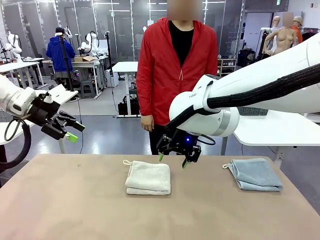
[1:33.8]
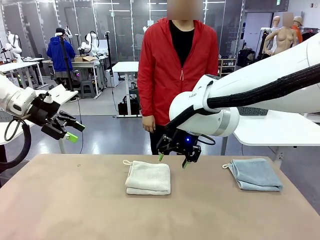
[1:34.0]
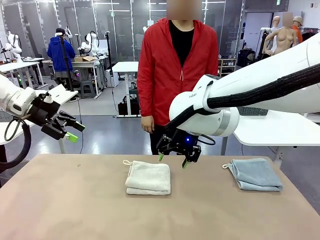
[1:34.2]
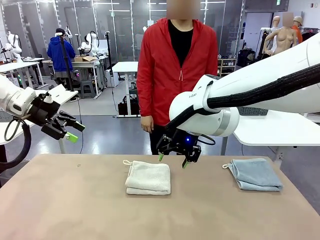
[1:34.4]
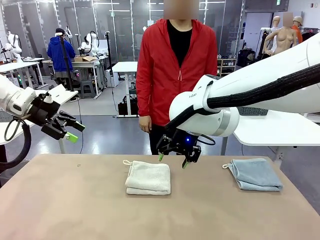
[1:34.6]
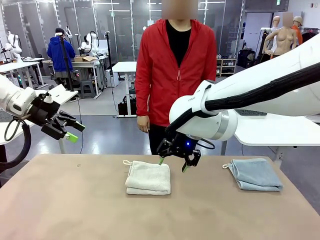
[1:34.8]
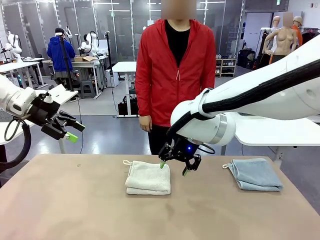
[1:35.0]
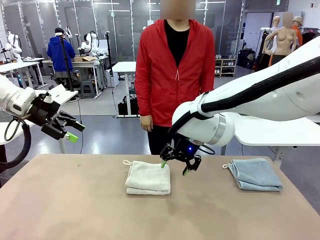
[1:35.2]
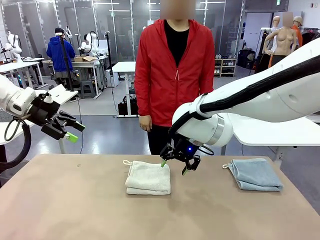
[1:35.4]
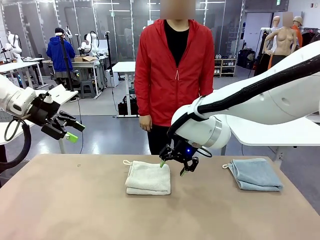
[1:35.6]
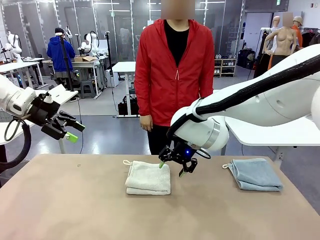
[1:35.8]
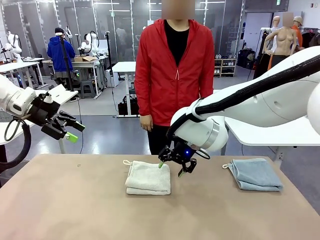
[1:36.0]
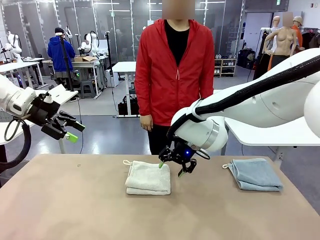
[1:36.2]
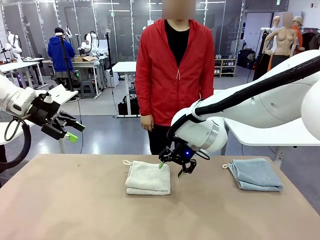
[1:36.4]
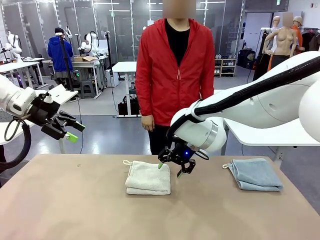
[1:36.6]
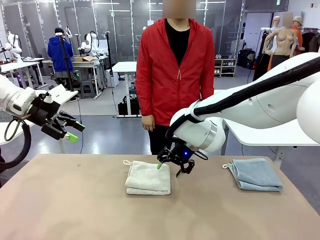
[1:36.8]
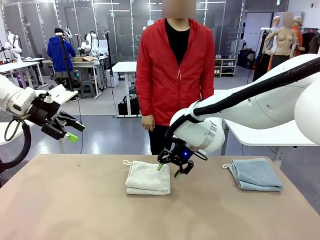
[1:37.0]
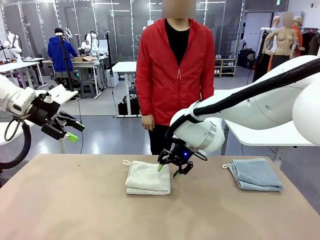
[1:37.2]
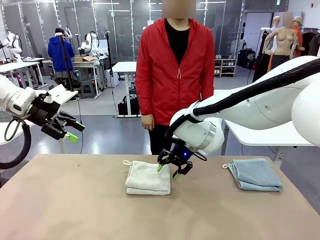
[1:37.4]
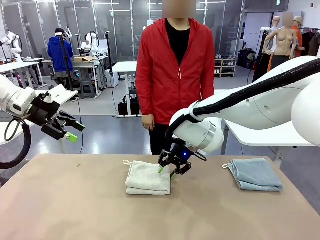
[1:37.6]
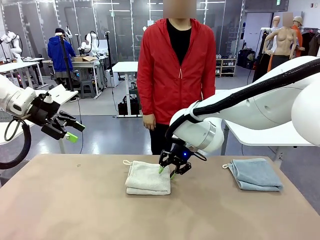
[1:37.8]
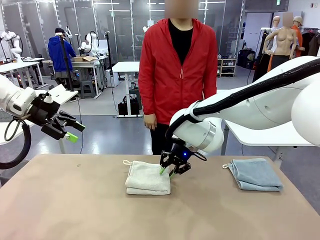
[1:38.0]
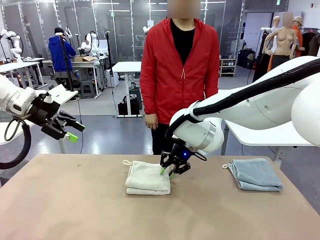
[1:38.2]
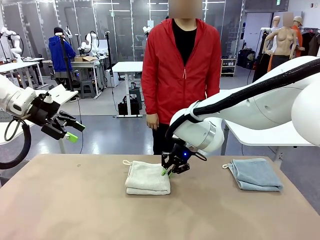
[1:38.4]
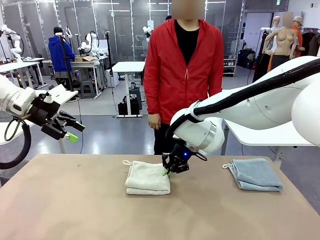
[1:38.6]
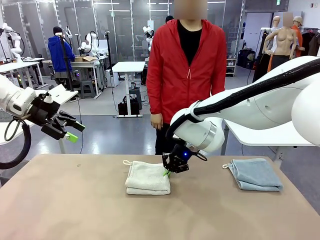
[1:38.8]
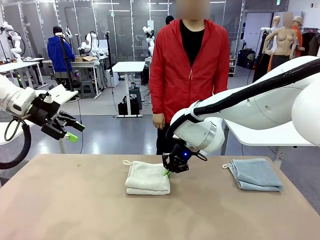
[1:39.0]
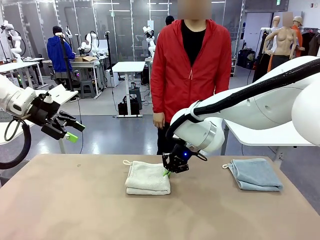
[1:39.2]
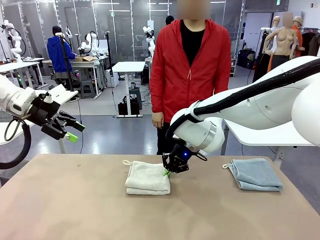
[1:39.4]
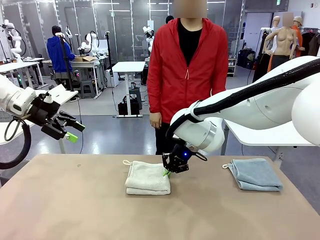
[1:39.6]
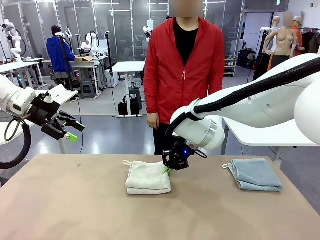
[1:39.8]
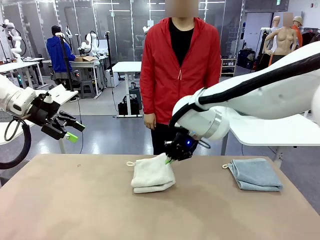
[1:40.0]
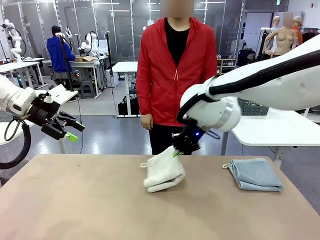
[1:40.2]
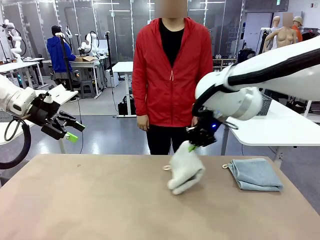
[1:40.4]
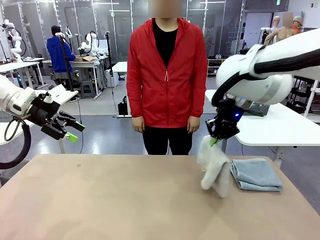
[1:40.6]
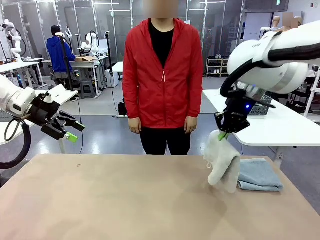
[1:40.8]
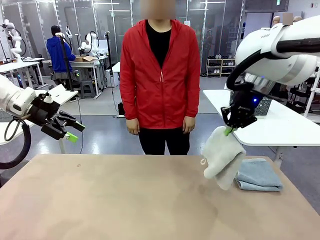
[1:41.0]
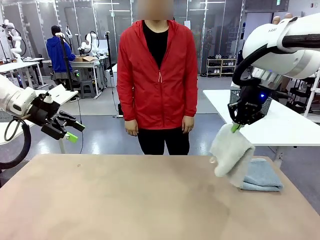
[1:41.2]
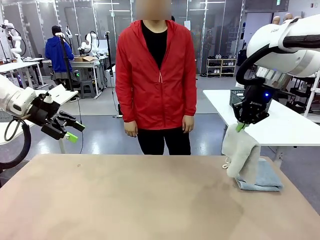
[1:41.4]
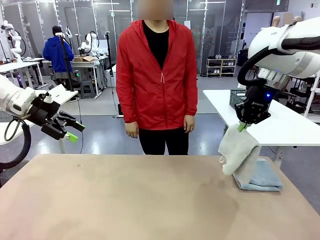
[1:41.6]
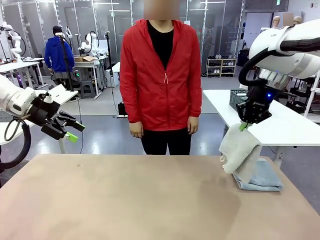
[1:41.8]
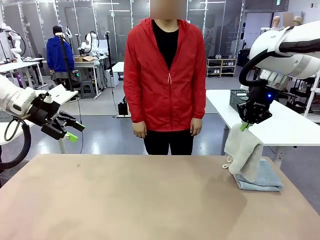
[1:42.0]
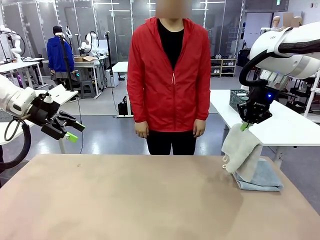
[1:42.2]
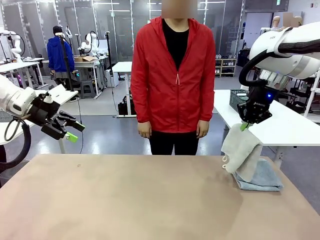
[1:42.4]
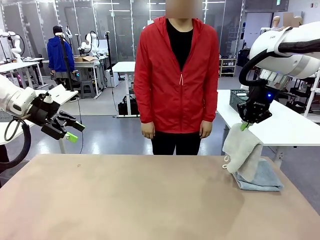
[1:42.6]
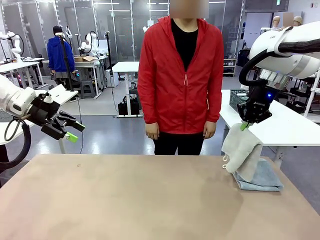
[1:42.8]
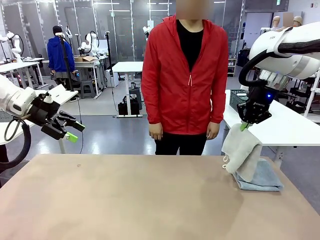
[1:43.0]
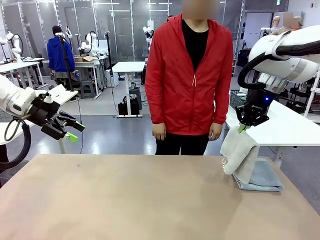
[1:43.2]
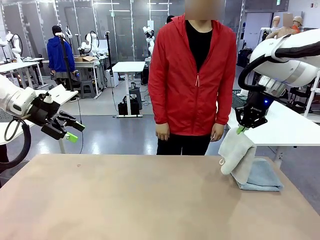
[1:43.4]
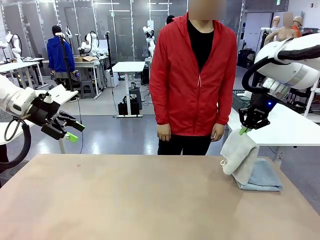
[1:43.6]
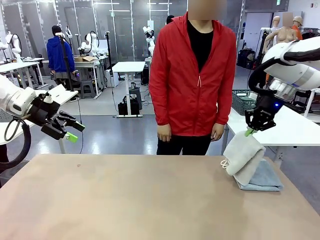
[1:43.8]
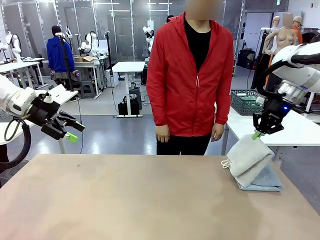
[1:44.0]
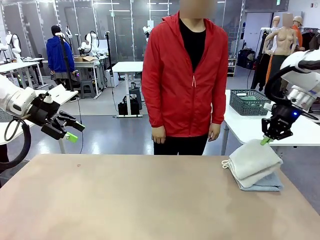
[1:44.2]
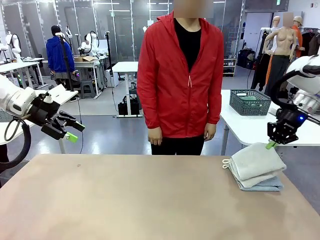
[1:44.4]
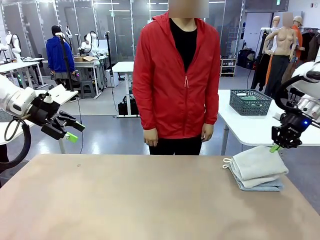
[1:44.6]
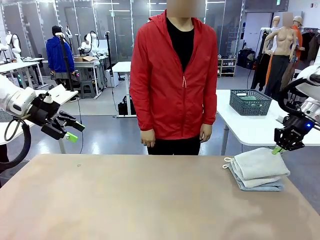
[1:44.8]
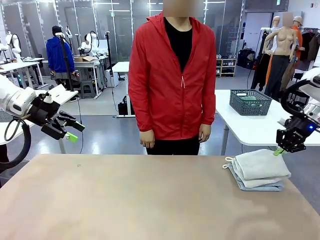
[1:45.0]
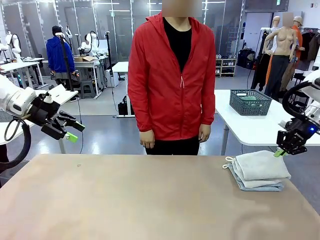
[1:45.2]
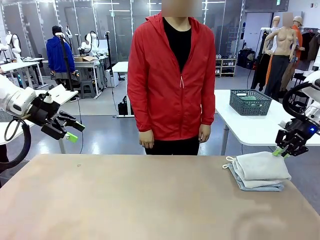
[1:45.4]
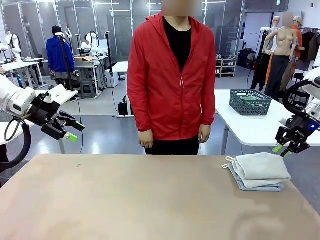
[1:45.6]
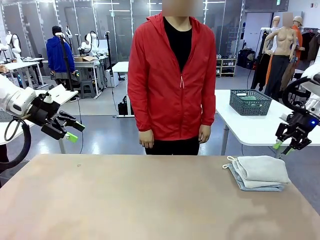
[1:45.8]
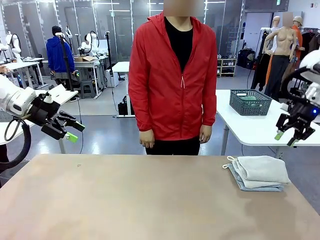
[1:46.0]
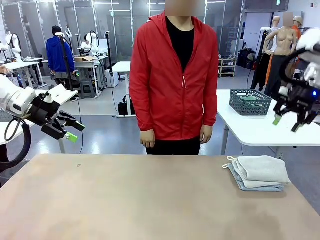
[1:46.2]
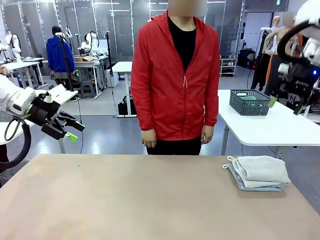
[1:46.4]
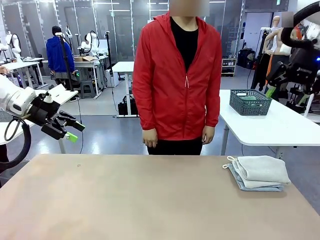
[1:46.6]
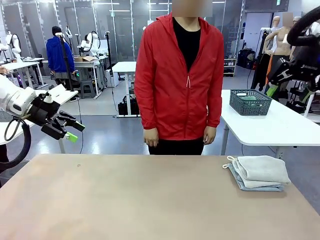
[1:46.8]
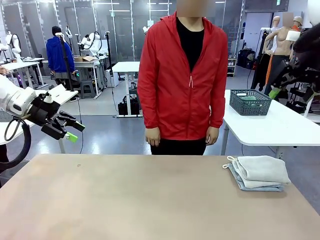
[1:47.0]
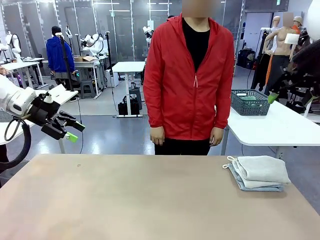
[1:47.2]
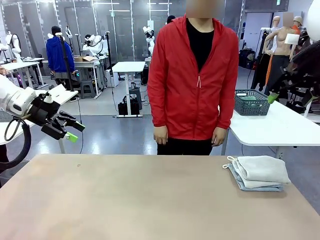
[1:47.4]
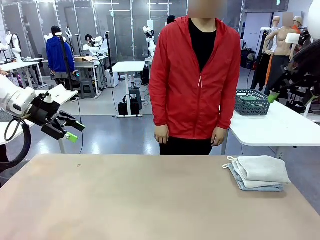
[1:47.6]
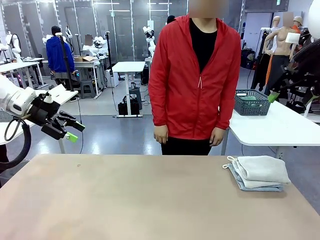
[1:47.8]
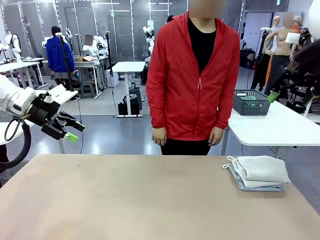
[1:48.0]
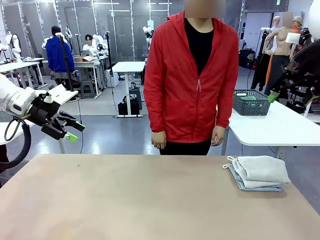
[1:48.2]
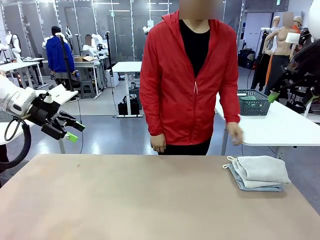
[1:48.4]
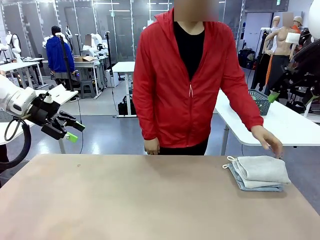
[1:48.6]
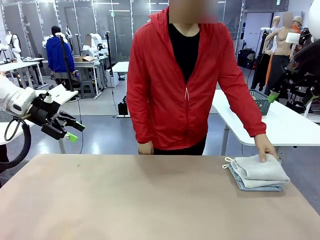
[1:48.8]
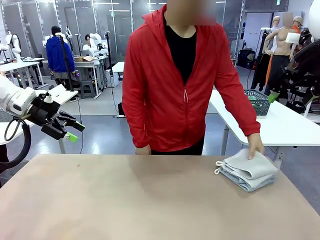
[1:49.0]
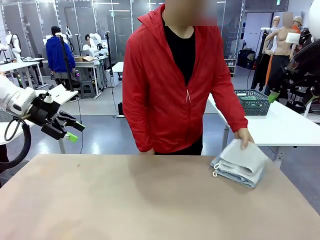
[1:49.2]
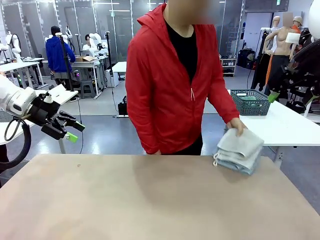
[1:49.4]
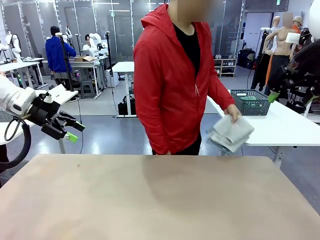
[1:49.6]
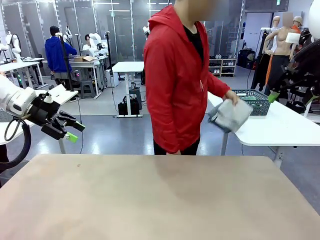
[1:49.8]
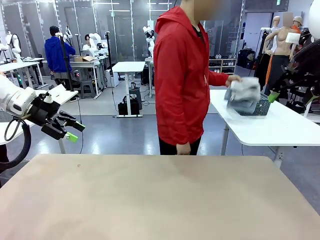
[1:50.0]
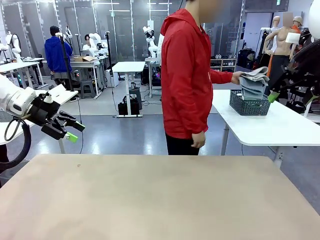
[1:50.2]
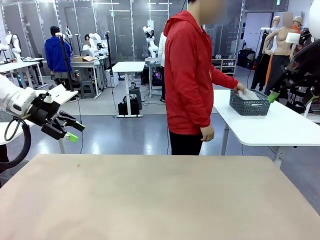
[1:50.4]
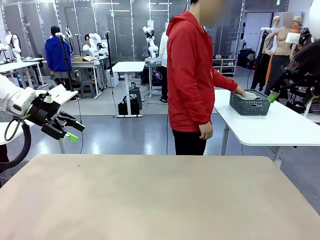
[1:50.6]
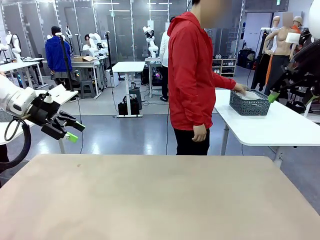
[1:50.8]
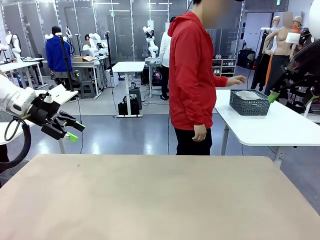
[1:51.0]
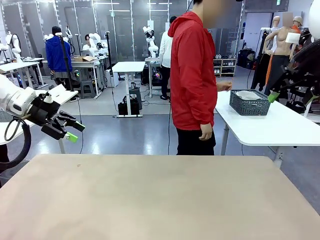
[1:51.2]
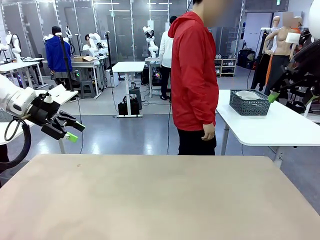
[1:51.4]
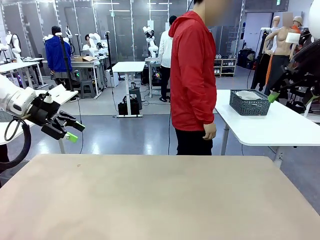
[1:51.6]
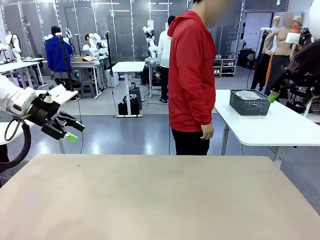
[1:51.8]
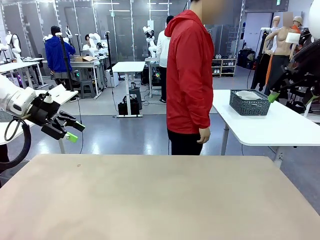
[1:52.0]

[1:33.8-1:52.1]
Task: Fold the towels and place them in the basket.
Robot: Stack the folded Towel with hook on the right side of the table.
Person: Pick up the stack of towels from the robot table and place it into the basket.
